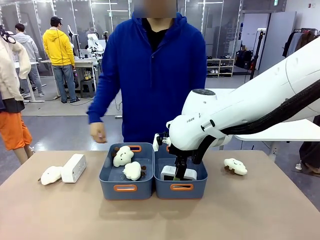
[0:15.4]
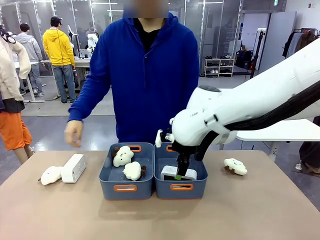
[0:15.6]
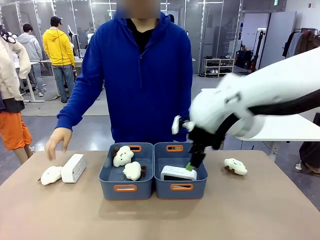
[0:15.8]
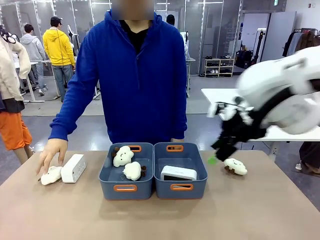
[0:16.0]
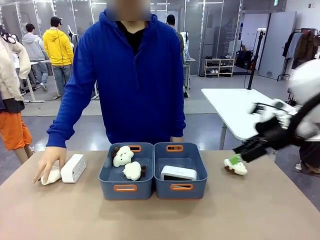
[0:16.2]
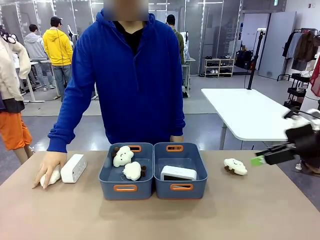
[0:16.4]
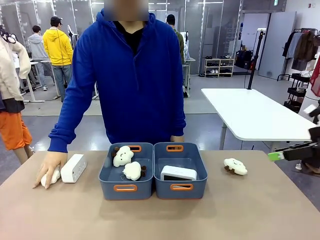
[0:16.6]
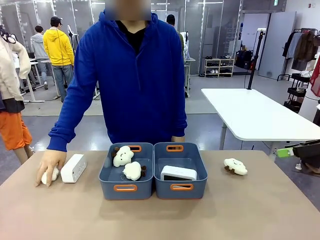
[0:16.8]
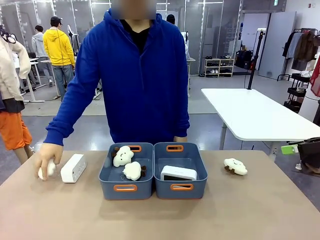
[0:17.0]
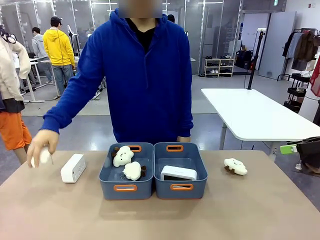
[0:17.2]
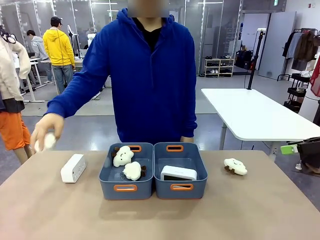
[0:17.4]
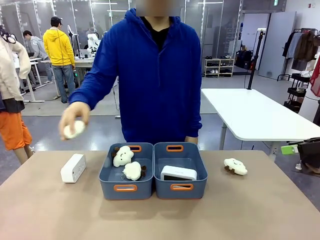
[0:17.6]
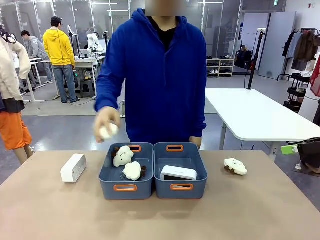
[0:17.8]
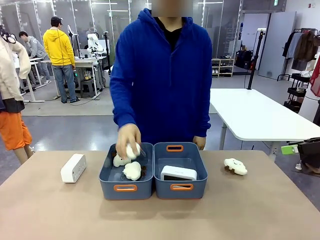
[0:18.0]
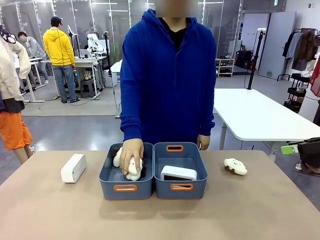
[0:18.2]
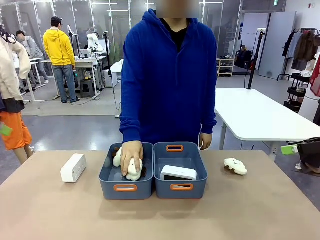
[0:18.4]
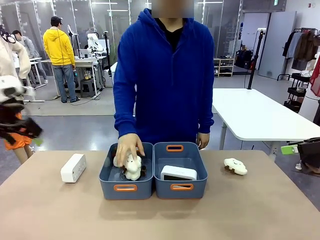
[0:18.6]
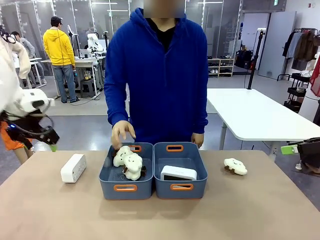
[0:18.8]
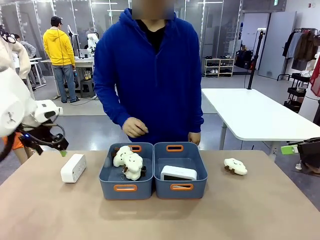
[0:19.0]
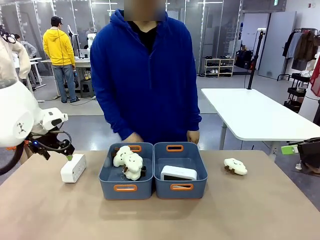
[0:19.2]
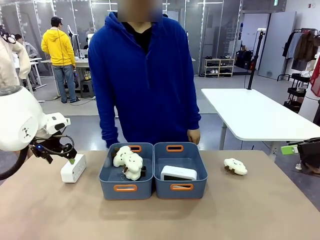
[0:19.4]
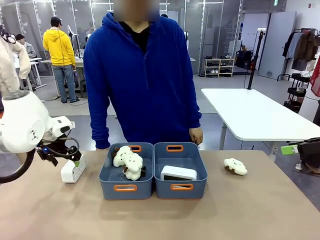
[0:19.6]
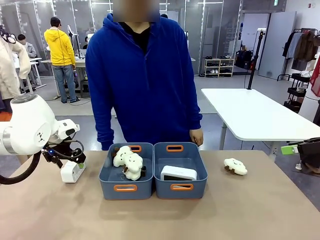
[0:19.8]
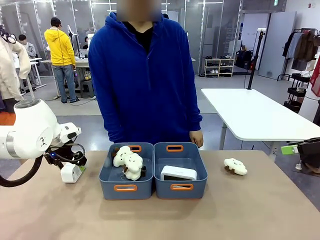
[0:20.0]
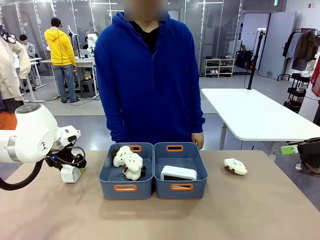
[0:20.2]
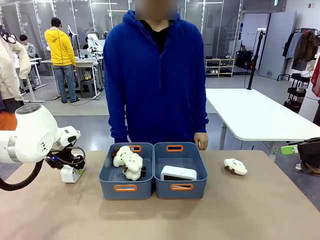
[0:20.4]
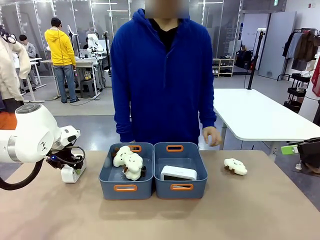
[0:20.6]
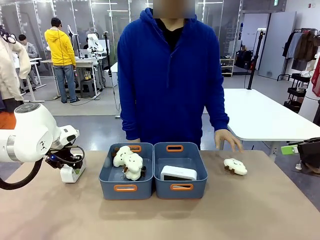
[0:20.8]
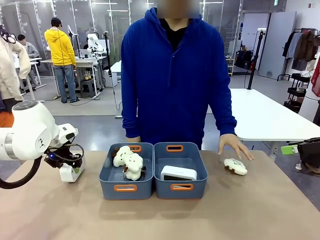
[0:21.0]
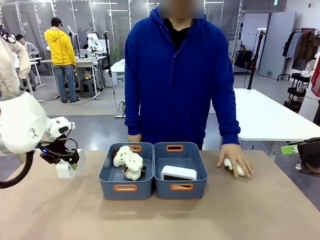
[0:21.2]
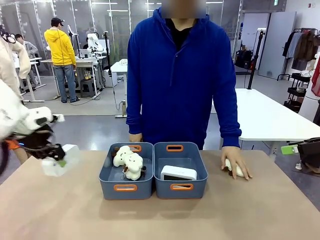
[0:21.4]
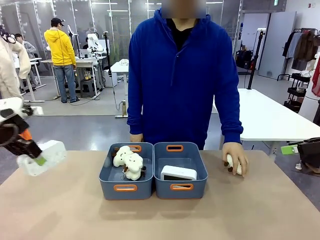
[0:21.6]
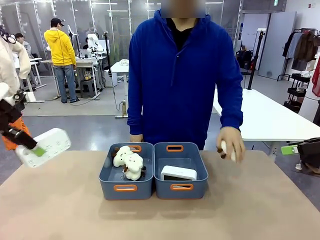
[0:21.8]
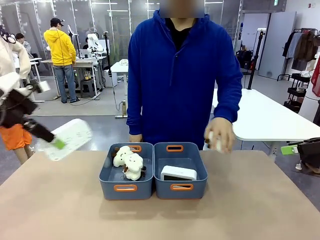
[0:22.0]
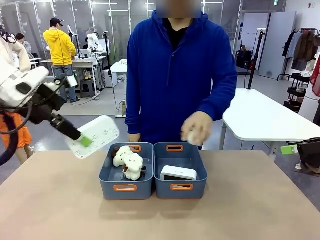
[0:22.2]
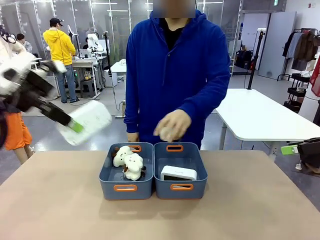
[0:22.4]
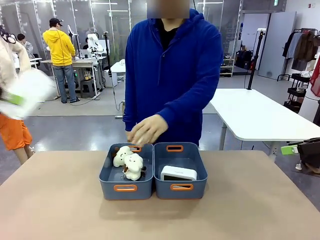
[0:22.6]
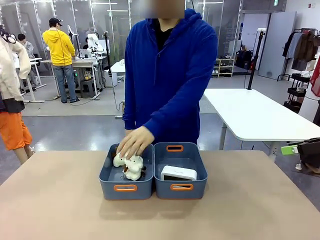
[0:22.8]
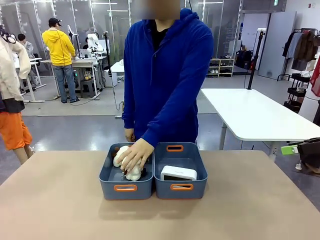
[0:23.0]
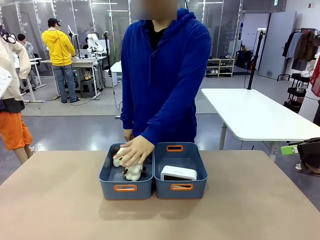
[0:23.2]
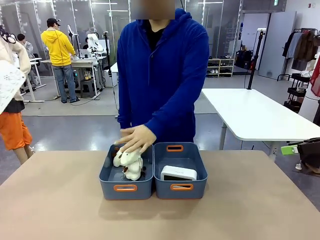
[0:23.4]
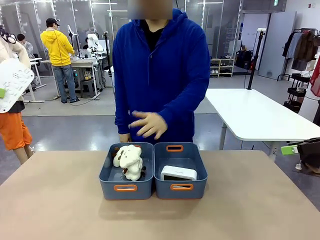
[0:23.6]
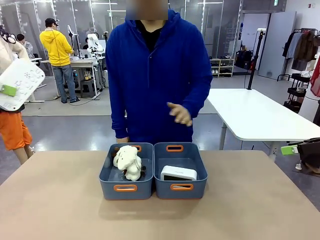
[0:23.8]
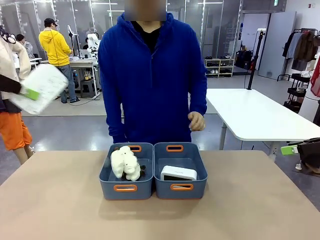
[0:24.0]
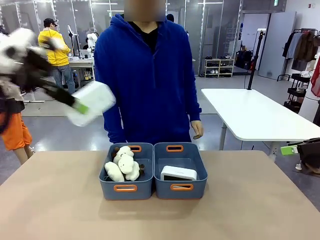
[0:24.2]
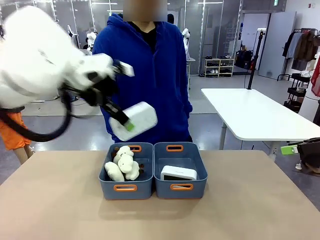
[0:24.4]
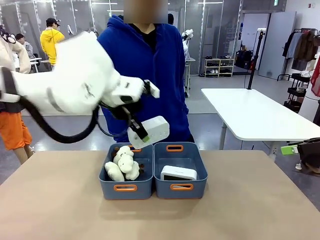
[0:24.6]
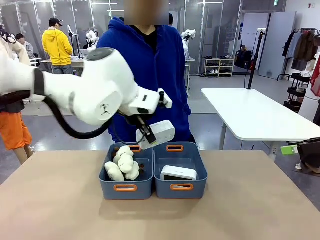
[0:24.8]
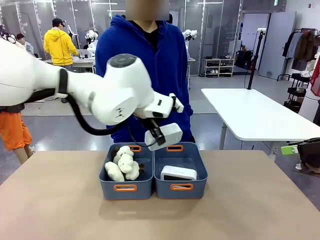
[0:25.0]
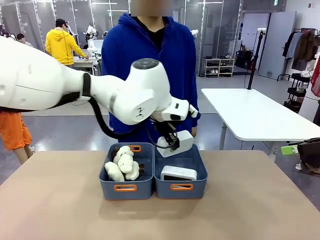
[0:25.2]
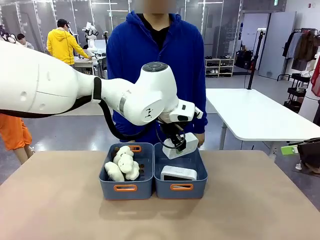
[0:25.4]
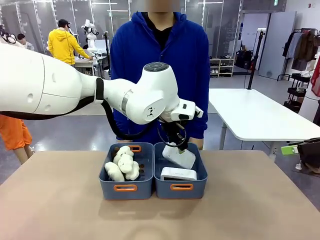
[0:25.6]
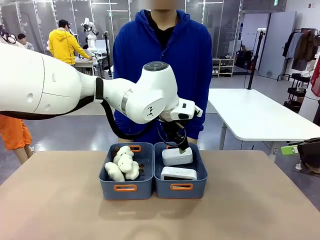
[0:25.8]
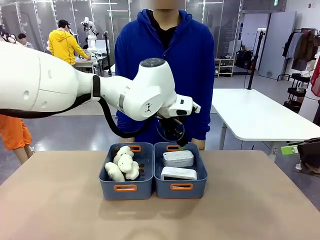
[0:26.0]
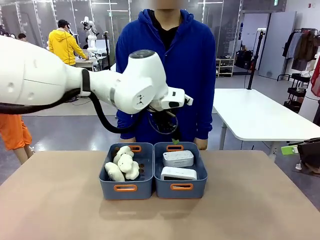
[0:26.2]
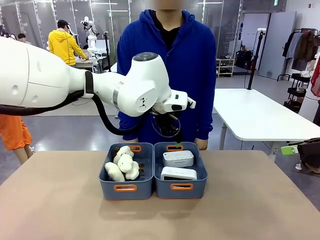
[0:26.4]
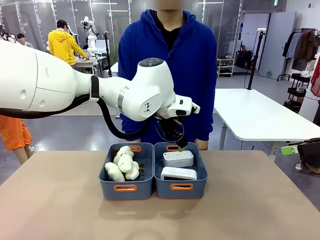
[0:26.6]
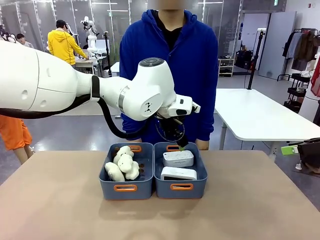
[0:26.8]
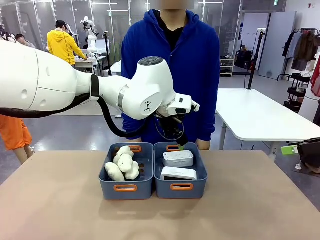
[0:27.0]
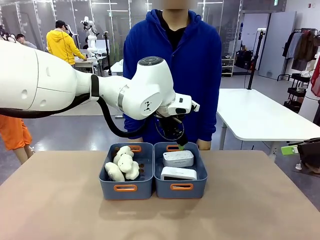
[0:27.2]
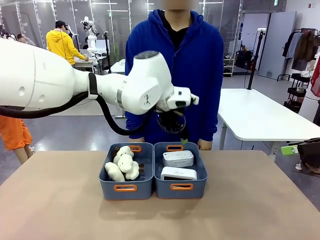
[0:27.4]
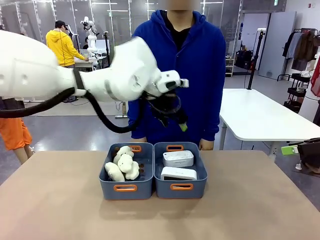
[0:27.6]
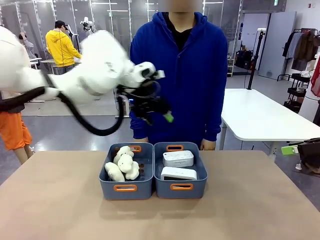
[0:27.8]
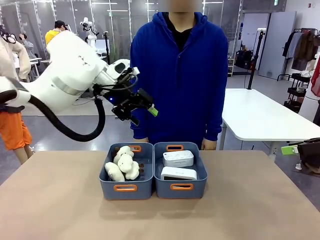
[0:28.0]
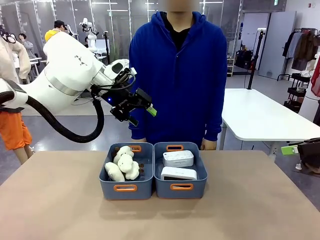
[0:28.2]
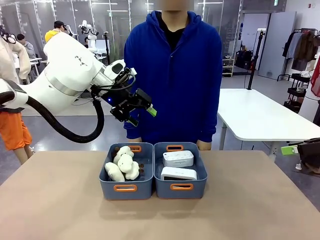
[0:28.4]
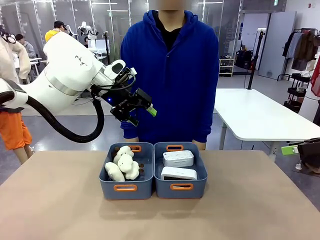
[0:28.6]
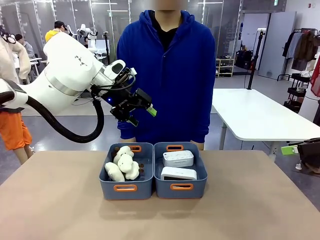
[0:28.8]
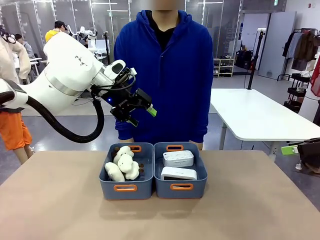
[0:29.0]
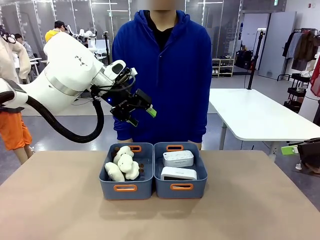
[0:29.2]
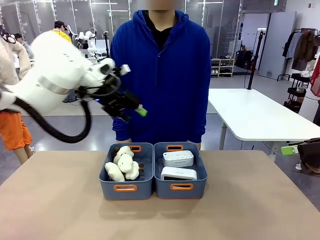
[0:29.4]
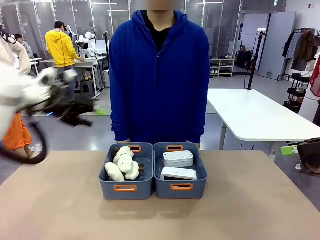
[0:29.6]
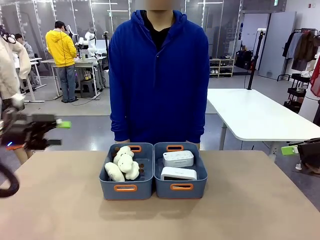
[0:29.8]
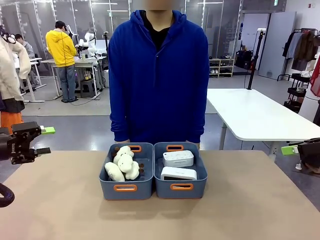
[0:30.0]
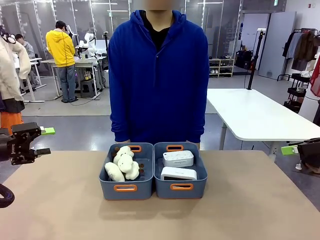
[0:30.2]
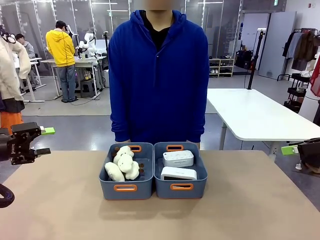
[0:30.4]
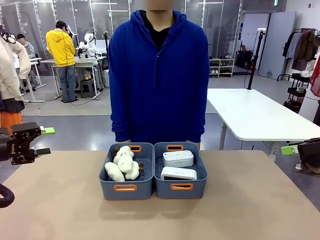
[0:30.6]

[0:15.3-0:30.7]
Task: Sort the digital clocks into the basket.
Robot: Pick up the Digital clock from the table and place it into the empty Plastic storage basket.
Person: Pick up a plush toy from the table and place it in the plastic storage basket containing the plush toy.
